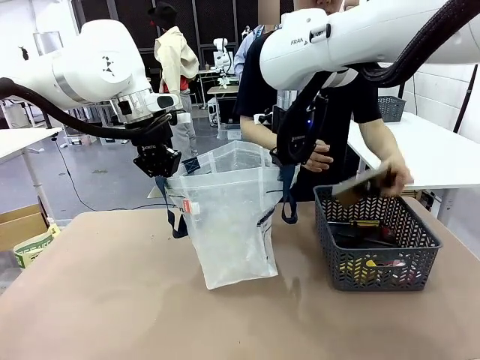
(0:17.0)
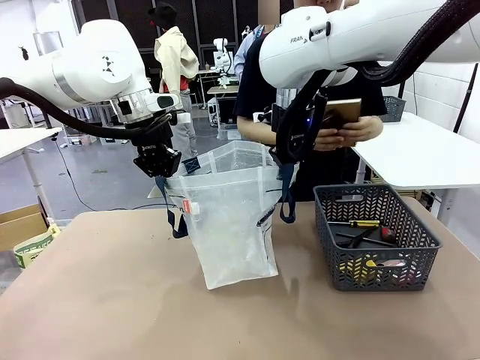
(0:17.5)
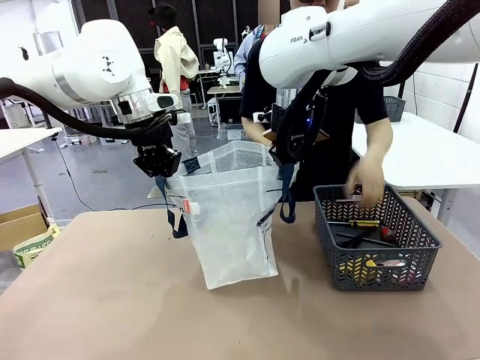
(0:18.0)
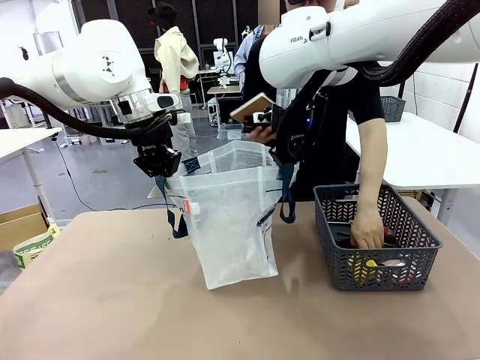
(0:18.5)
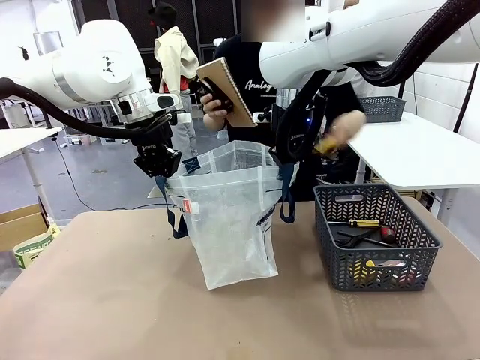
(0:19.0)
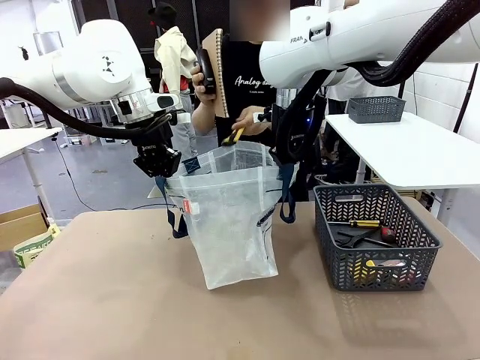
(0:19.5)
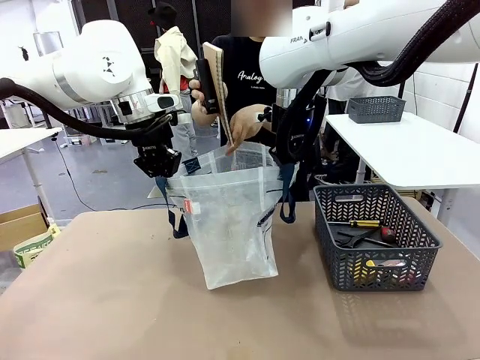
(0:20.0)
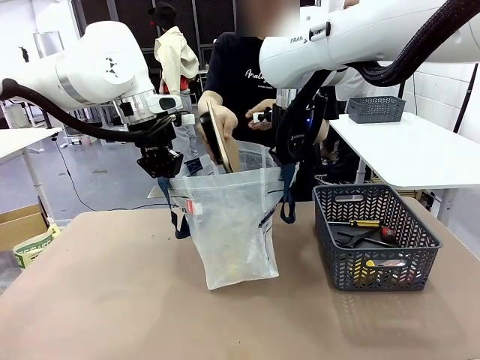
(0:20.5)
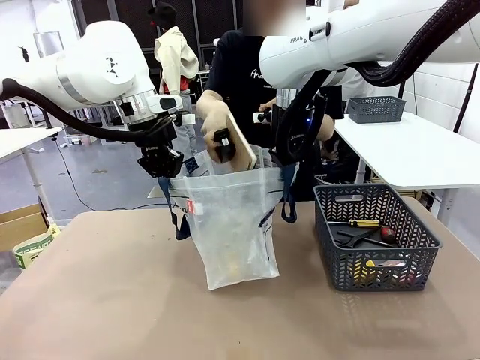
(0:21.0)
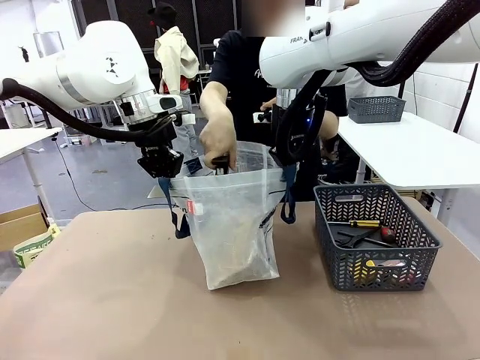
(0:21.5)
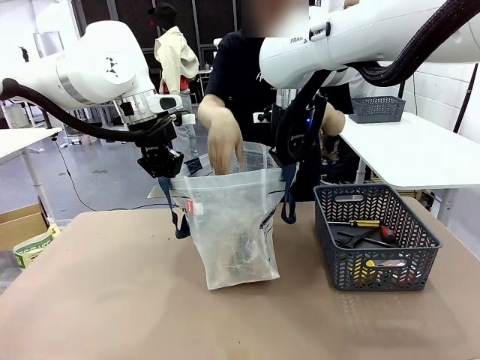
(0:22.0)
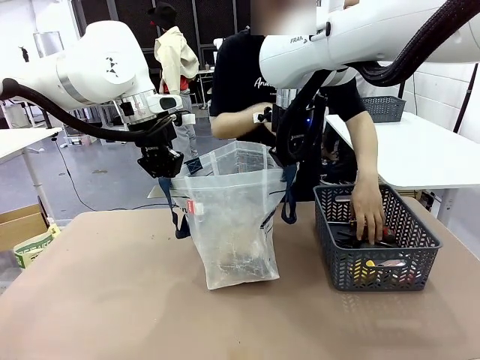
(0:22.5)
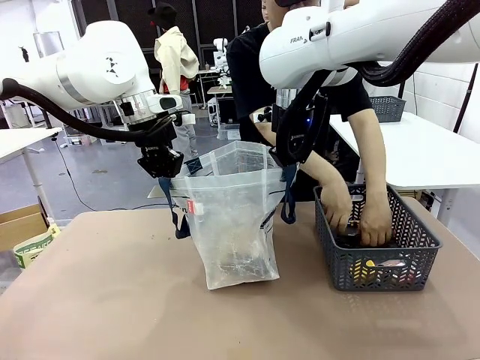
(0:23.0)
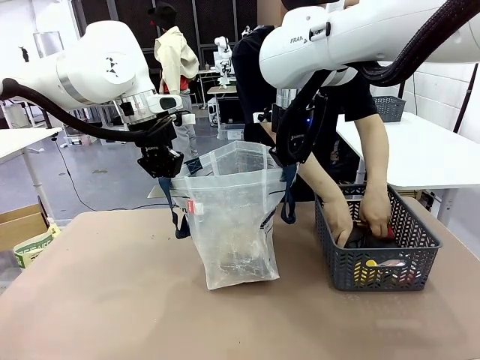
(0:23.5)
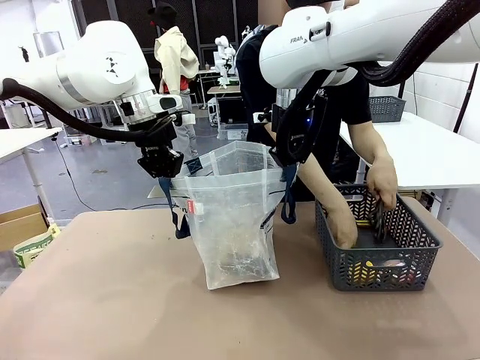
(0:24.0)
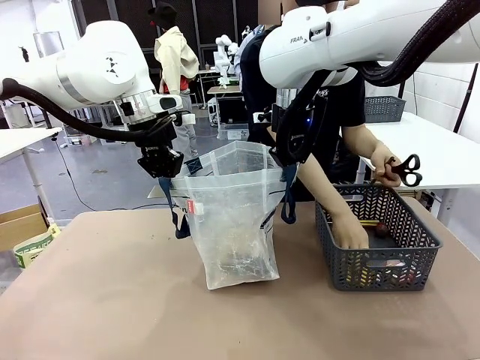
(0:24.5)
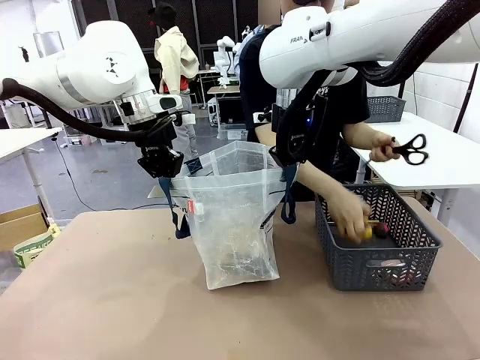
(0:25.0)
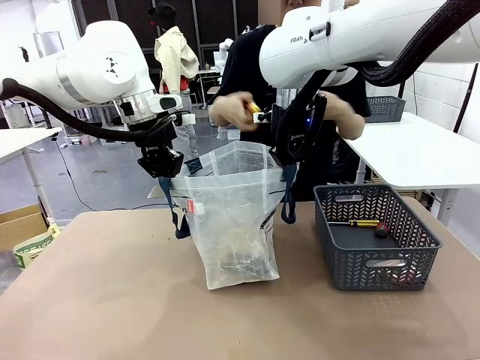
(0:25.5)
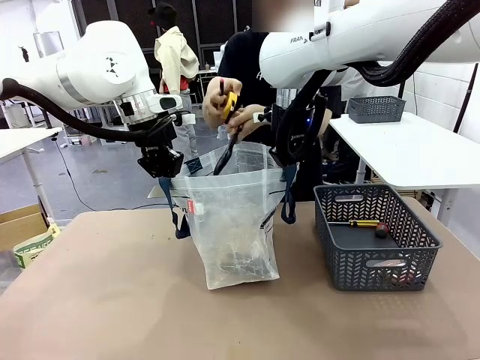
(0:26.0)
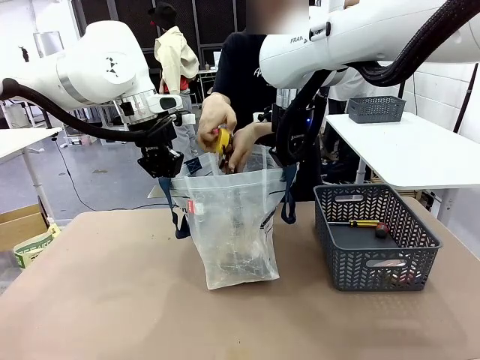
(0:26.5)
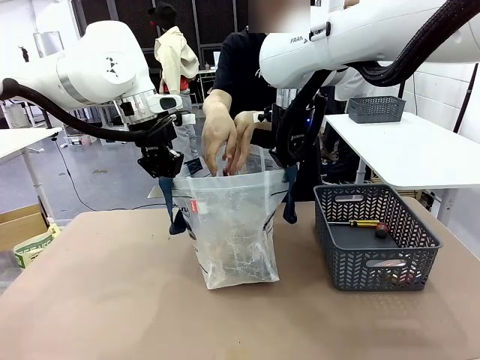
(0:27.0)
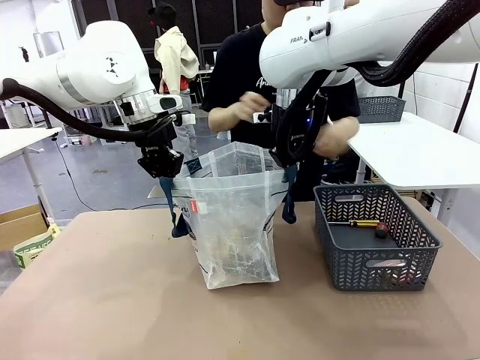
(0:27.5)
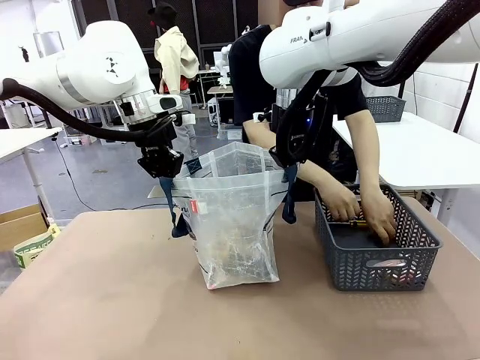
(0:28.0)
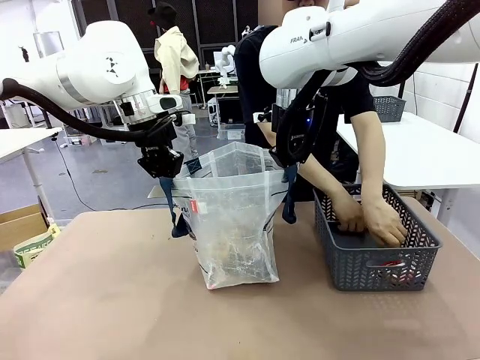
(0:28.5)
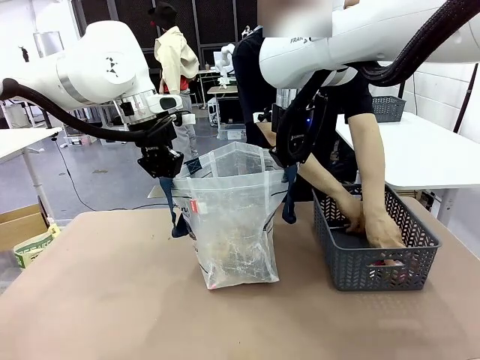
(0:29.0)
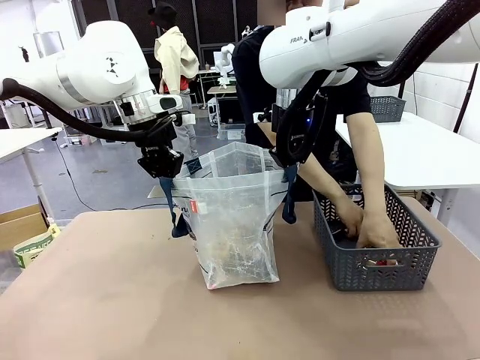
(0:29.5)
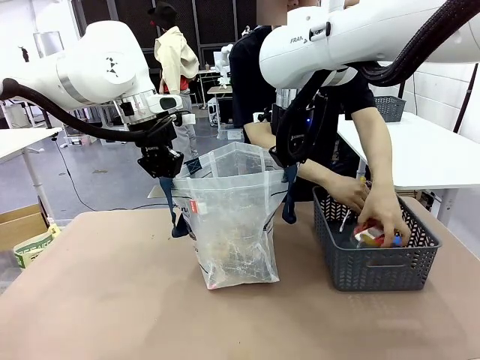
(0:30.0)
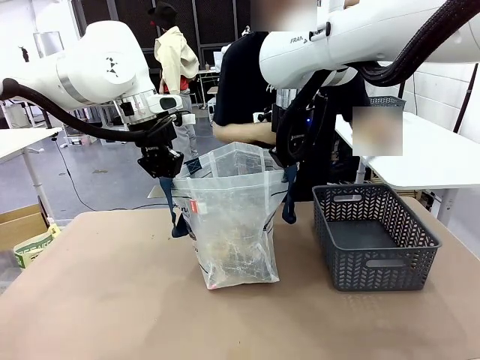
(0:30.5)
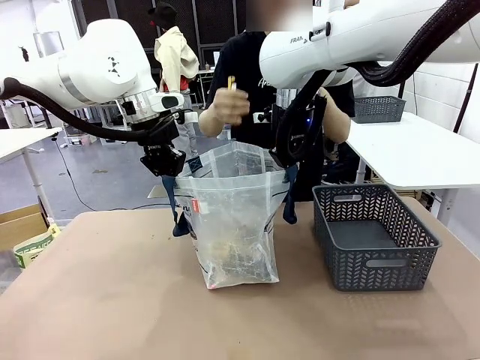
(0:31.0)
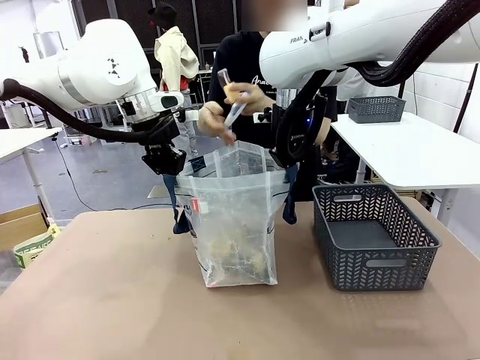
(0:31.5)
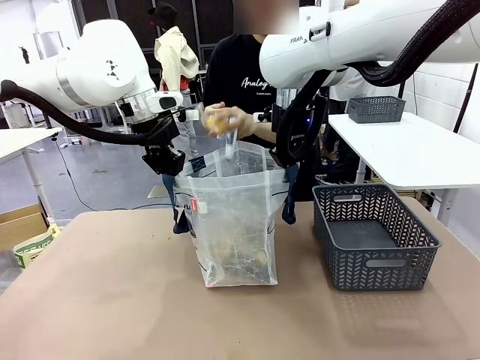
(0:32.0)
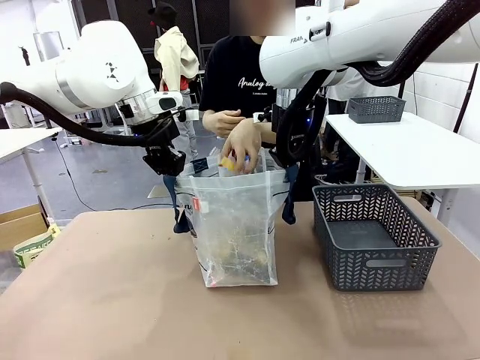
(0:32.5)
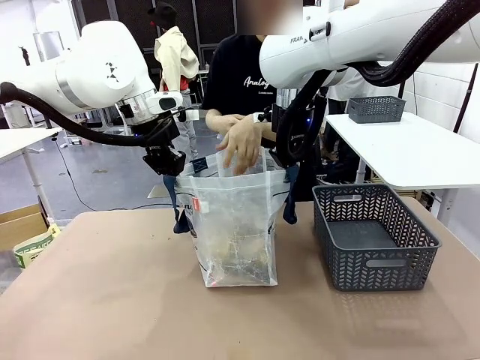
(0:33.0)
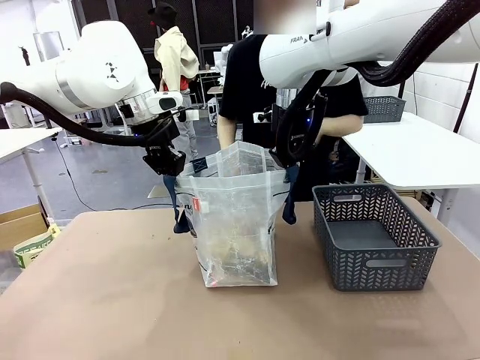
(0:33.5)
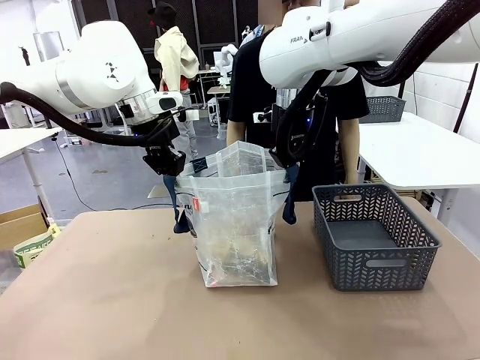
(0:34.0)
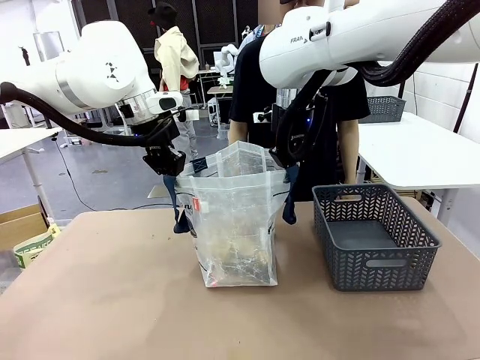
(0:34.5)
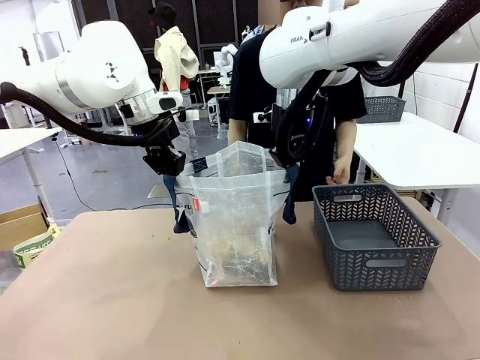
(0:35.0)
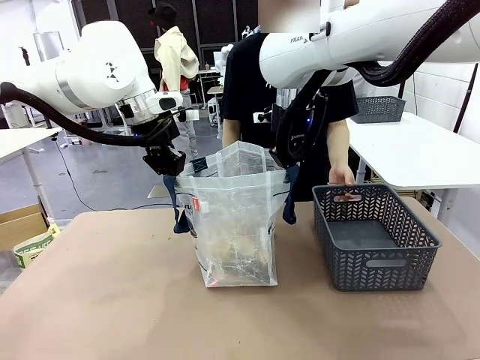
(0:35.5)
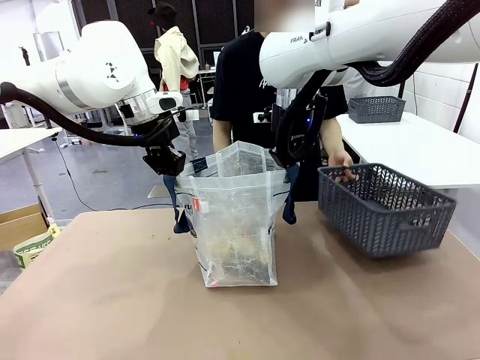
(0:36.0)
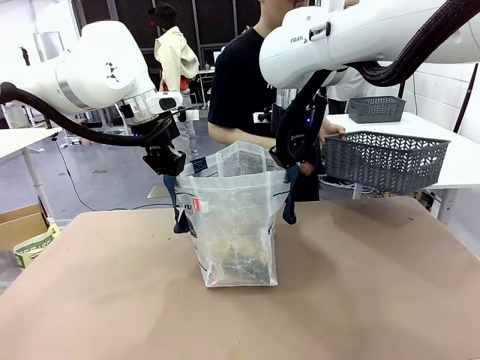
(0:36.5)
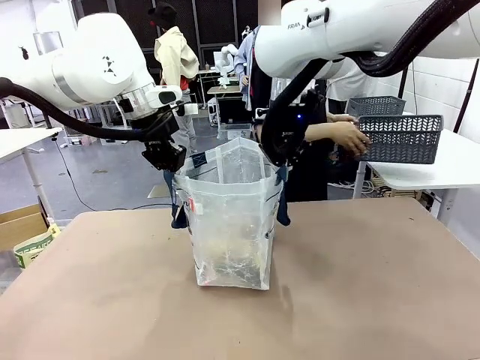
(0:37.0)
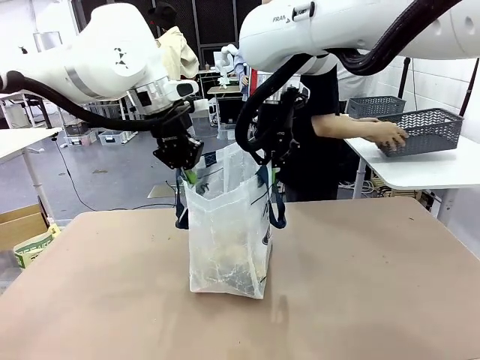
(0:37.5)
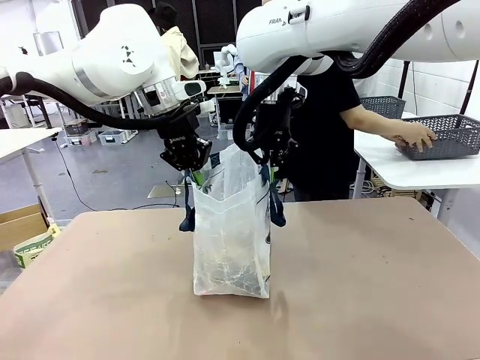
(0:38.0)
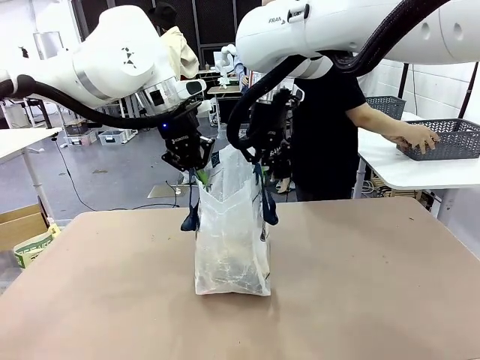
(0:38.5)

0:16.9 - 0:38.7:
Task: Transfer purchased items from the store into the shopping bag.
Robot: Move the Reusable shopping bag to the right side of the table.
Person: Pick up the basket on the right, place it on the left side of the robot table, and move the items in the basket to the shopping bag. Pick up the basket with the items out and place it on the right side of the human table.

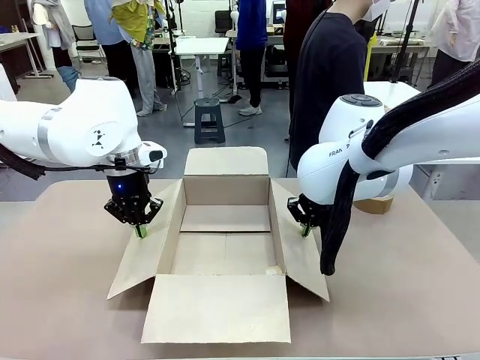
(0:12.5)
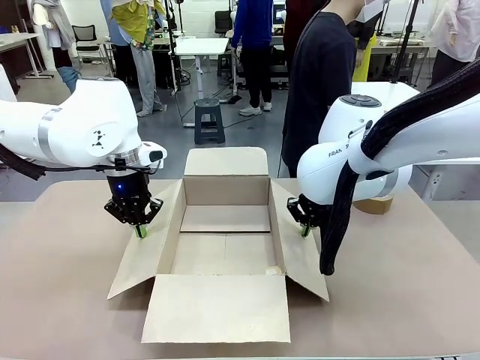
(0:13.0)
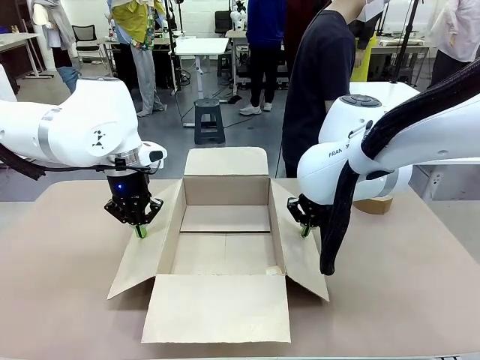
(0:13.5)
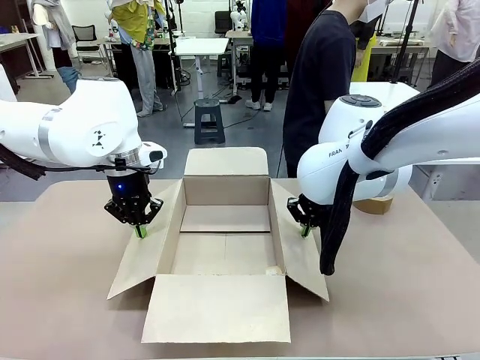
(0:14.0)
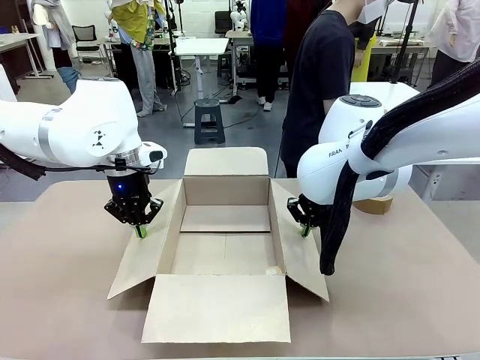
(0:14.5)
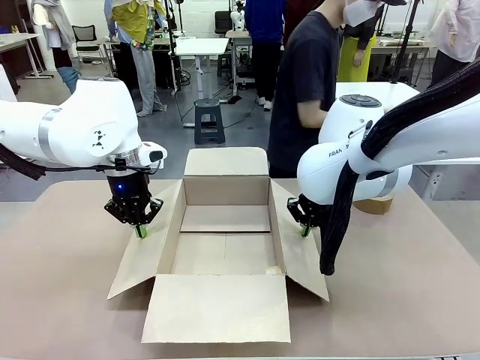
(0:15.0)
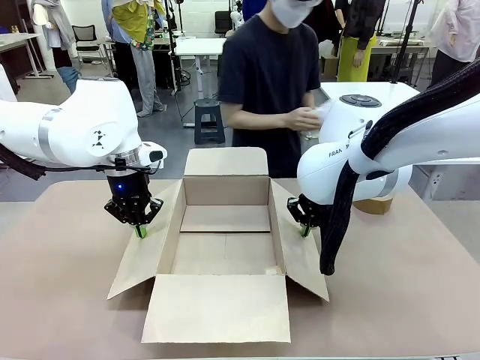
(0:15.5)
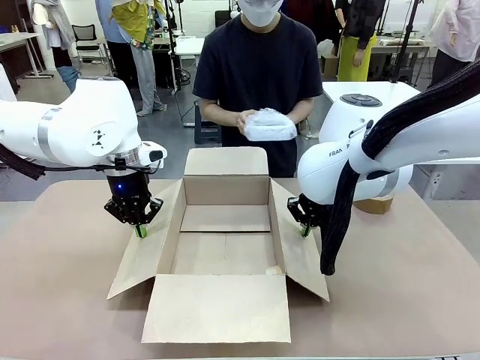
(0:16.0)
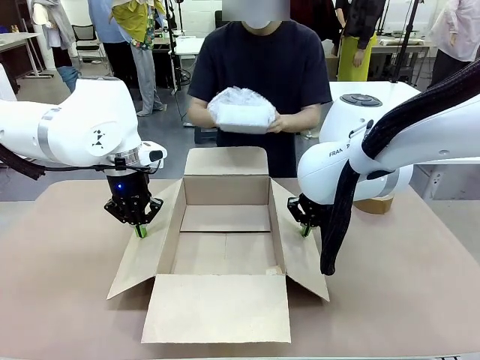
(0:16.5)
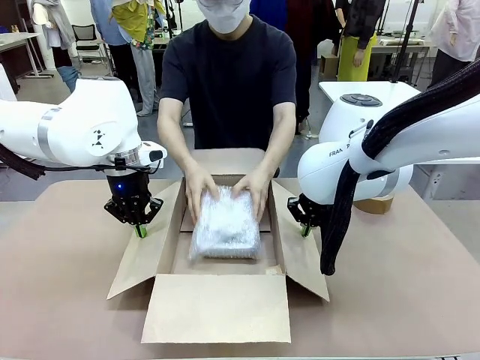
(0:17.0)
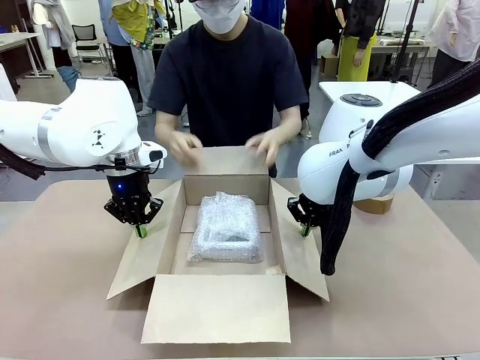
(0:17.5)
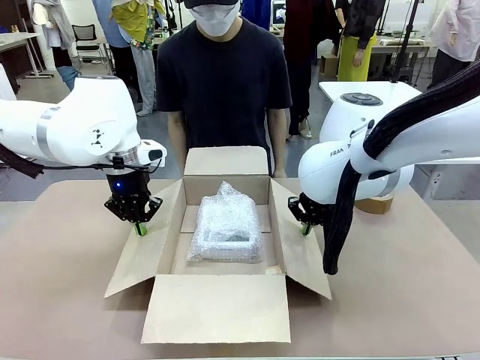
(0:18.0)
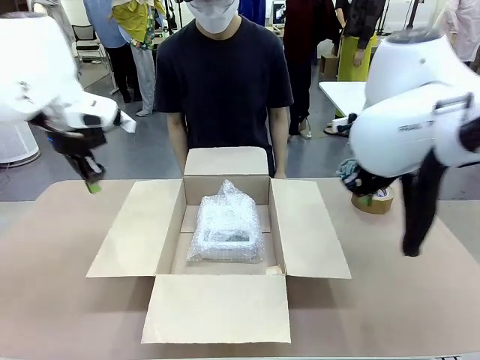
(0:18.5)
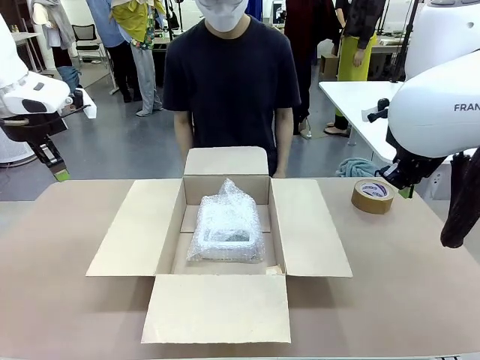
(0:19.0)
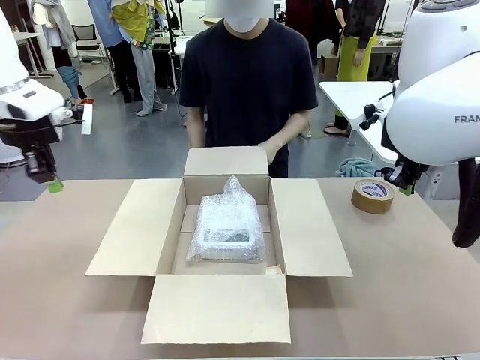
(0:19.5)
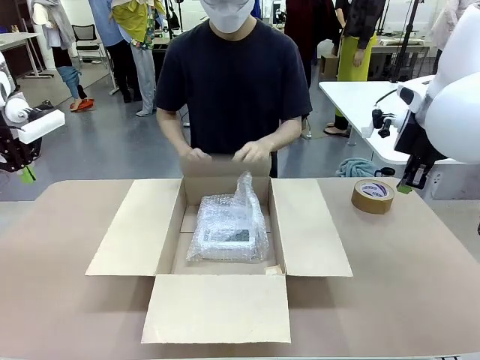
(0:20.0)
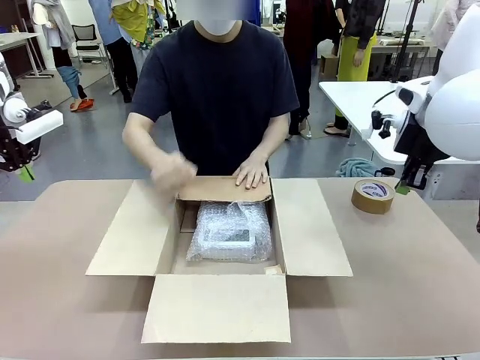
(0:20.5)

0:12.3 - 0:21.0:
Task: Wrap the clocks to prevent damage.
Robot: Once the human has placed the objects inside and stepped back, release both hands from the side flaps of the Package Box.
Person: Place the wrapped Digital clocks inside the Package Box. Hold the top and bottom flaps of the Package Box closed with your left (or right) hand.
